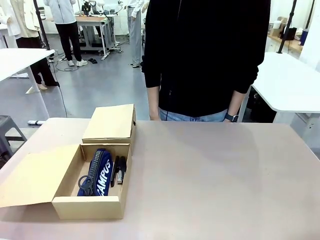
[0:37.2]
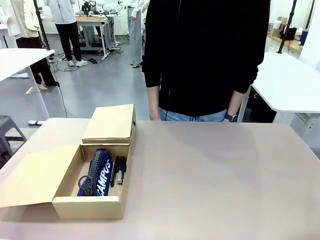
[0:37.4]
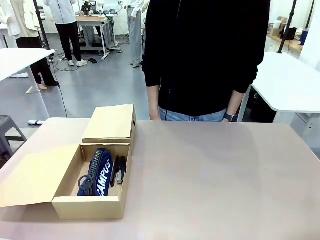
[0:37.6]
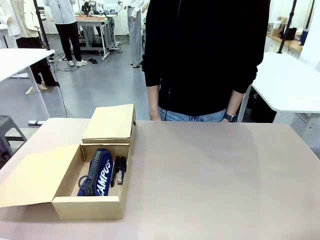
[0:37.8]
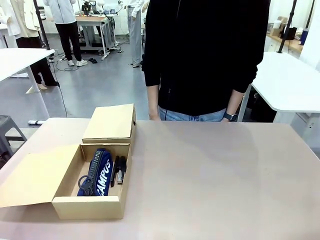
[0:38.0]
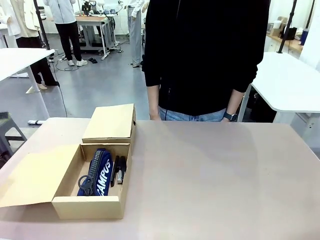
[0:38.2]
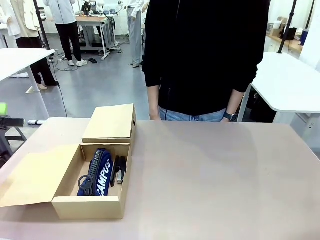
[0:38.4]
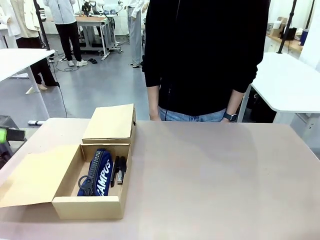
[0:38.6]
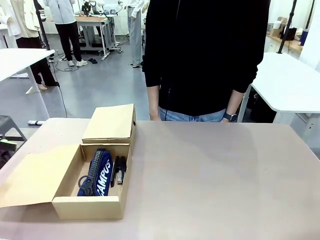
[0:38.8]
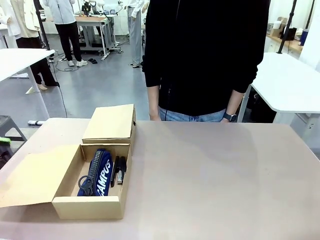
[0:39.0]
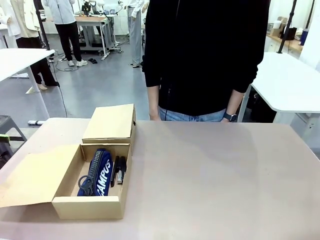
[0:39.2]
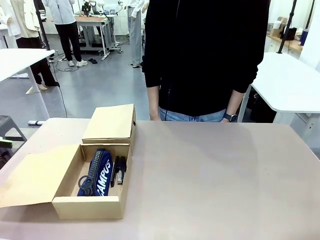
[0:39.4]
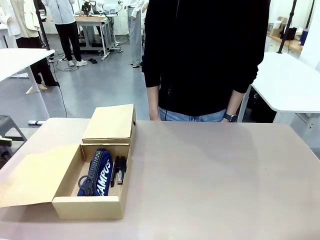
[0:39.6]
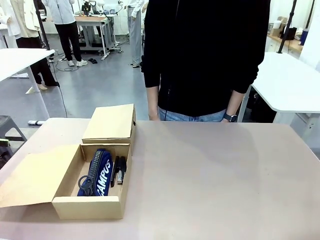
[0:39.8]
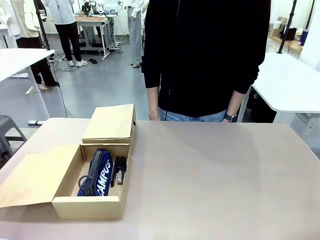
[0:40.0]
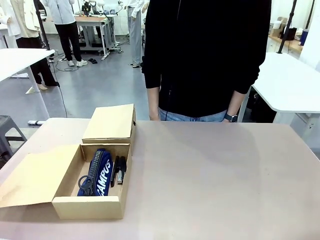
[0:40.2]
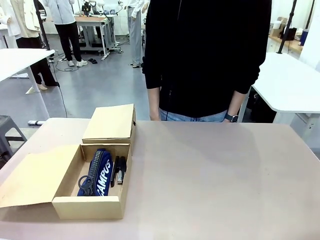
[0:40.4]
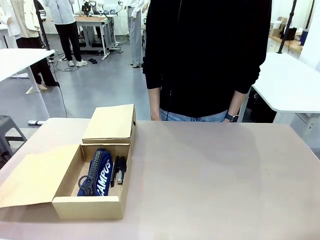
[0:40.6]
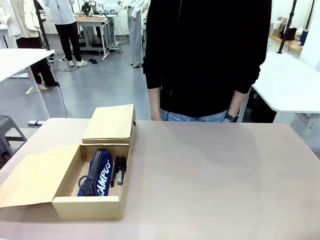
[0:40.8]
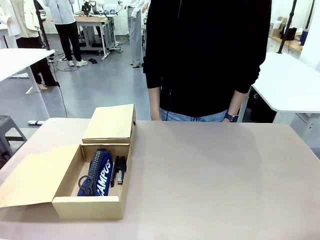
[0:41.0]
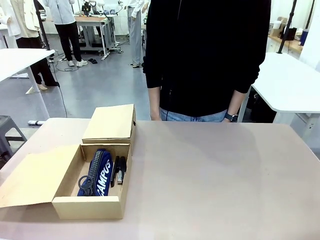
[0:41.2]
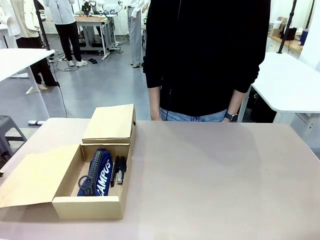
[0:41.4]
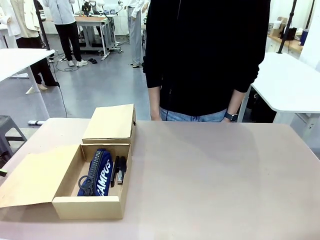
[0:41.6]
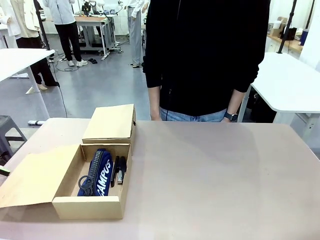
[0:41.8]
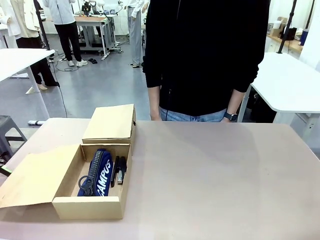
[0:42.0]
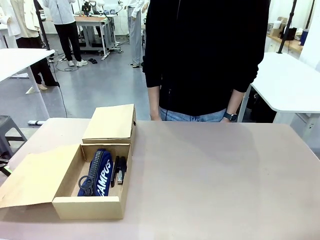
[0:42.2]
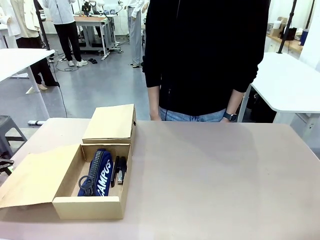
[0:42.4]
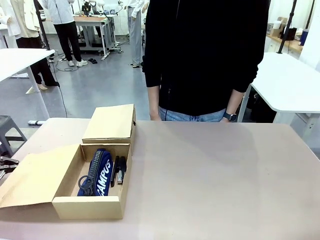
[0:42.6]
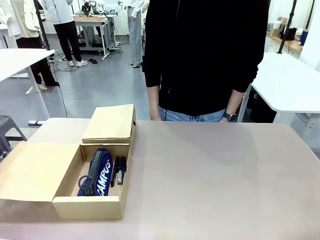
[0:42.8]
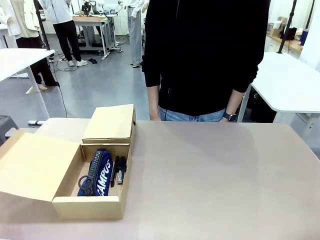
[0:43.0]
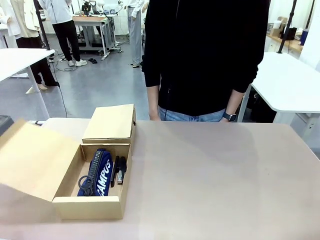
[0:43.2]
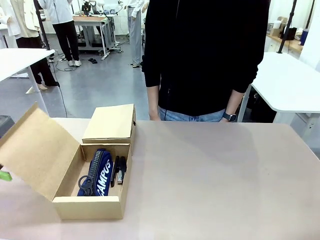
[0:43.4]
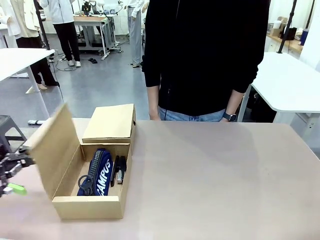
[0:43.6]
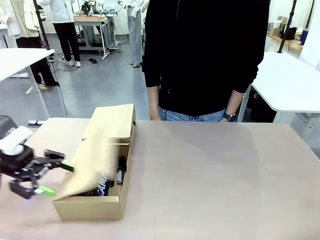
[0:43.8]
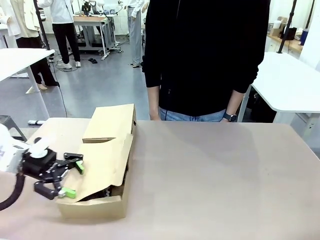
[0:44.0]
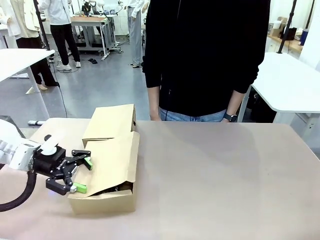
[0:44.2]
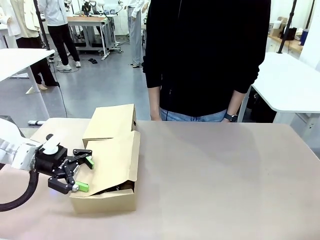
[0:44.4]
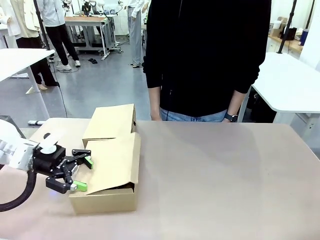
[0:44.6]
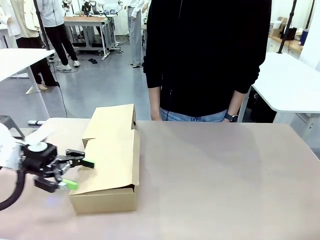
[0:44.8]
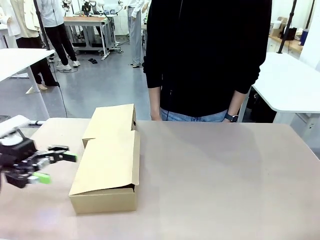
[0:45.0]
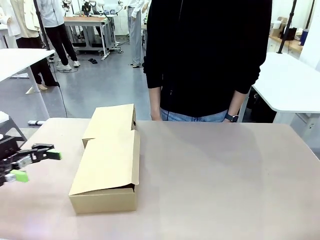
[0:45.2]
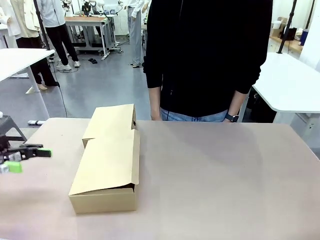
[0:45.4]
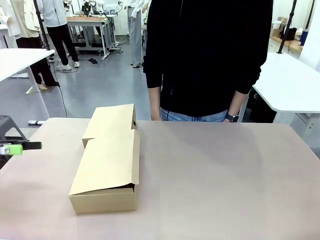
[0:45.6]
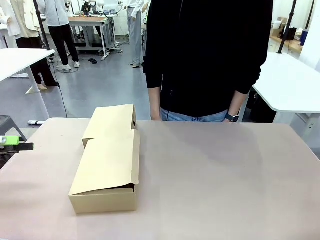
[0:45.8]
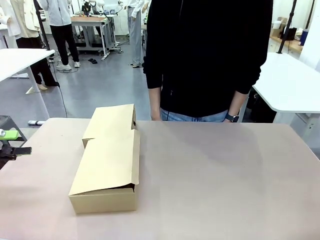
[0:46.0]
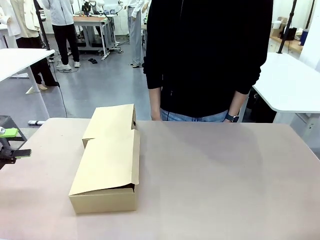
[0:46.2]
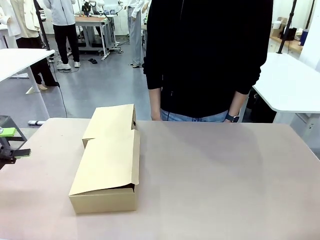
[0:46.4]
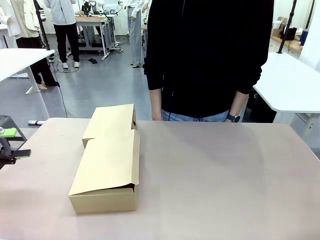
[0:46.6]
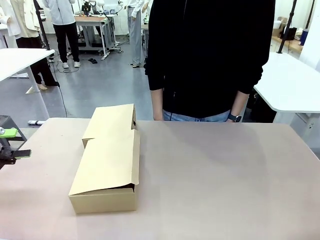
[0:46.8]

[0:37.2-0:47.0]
Task: Place items inside the box.
Robot: Close the lid of the Mailer Box closest to the robot.
Person: Close the lid of the box facing the person.

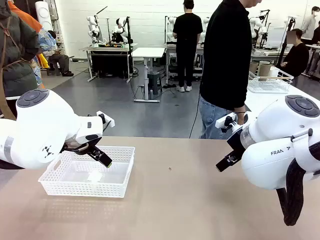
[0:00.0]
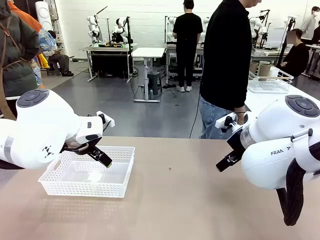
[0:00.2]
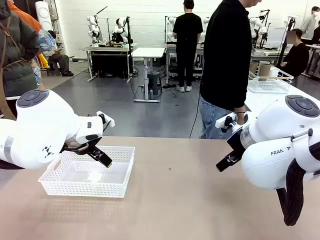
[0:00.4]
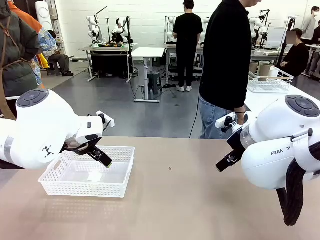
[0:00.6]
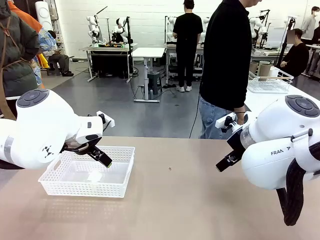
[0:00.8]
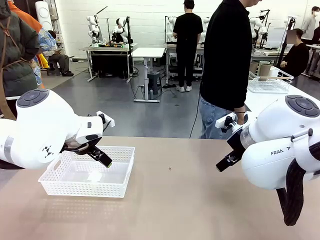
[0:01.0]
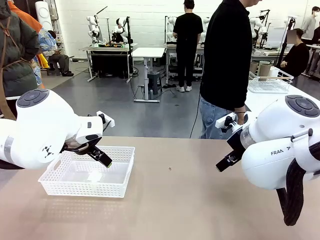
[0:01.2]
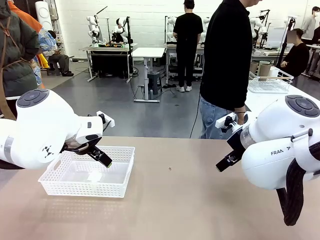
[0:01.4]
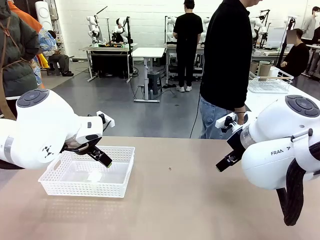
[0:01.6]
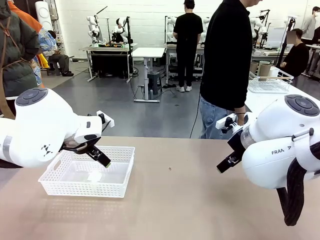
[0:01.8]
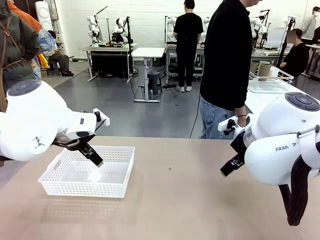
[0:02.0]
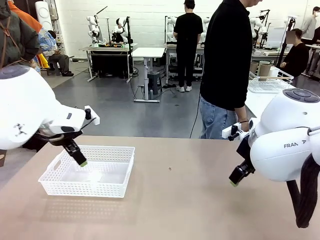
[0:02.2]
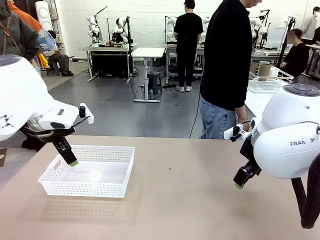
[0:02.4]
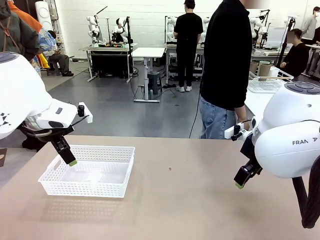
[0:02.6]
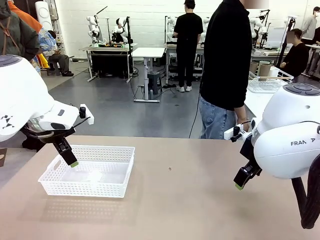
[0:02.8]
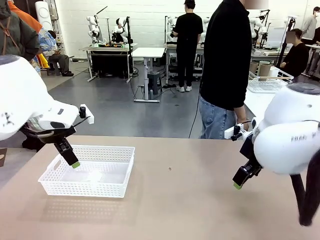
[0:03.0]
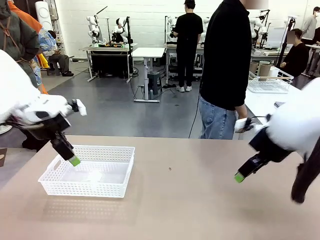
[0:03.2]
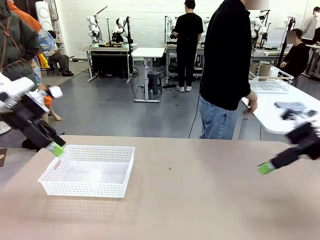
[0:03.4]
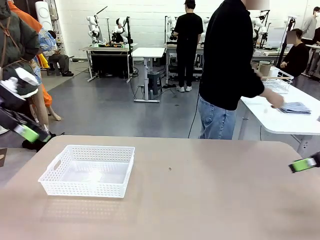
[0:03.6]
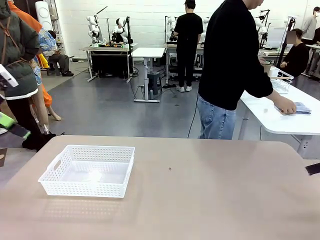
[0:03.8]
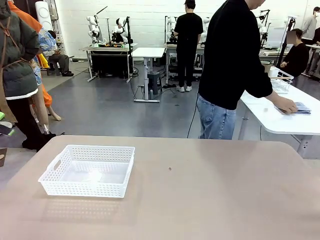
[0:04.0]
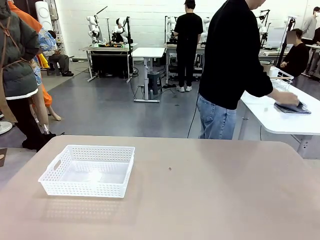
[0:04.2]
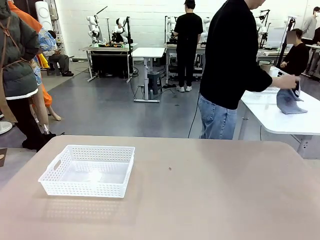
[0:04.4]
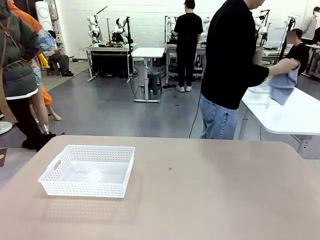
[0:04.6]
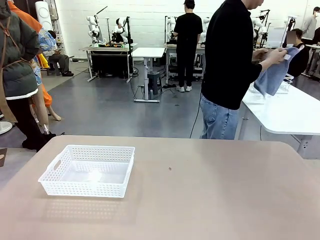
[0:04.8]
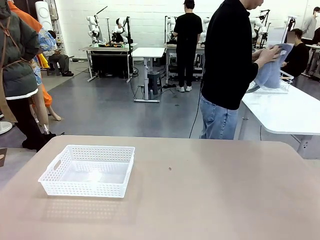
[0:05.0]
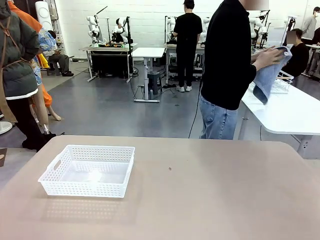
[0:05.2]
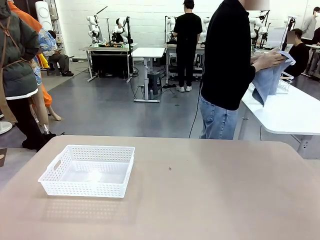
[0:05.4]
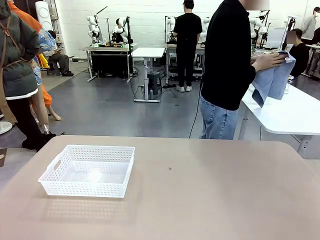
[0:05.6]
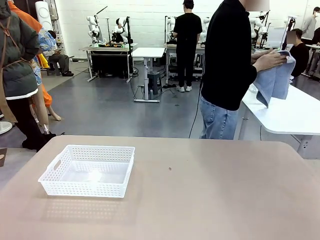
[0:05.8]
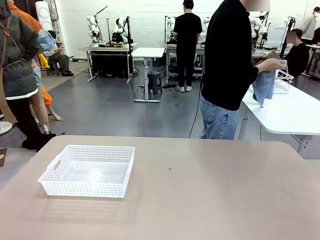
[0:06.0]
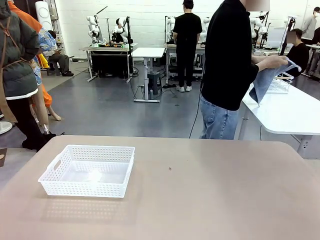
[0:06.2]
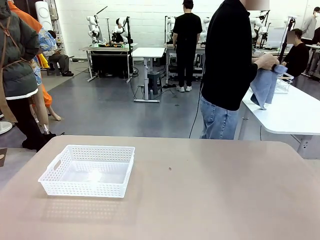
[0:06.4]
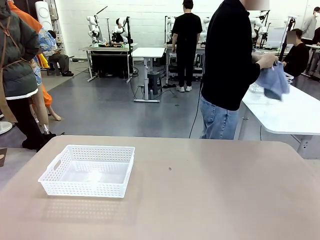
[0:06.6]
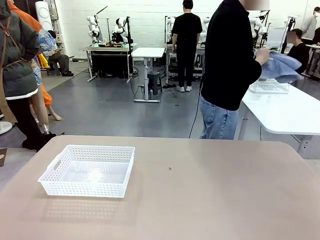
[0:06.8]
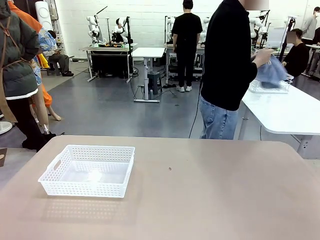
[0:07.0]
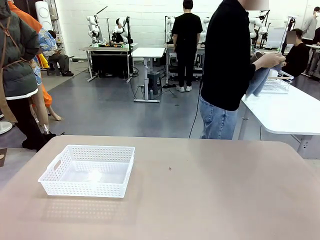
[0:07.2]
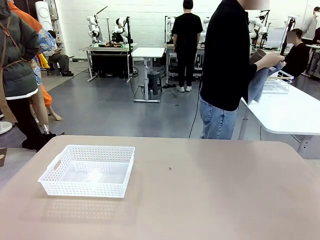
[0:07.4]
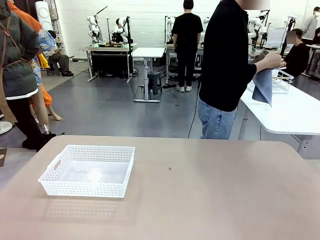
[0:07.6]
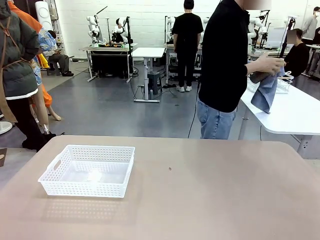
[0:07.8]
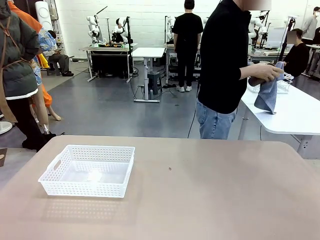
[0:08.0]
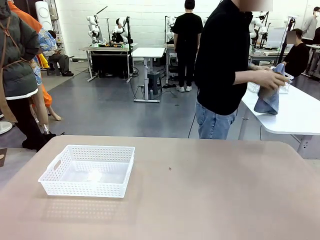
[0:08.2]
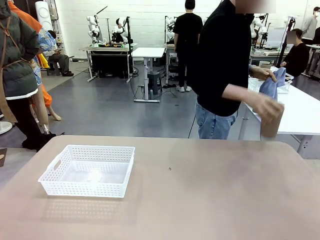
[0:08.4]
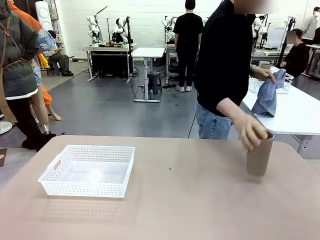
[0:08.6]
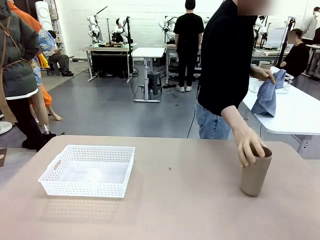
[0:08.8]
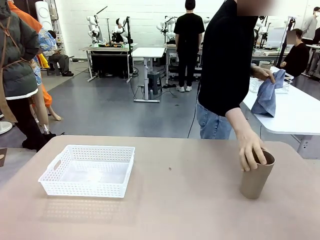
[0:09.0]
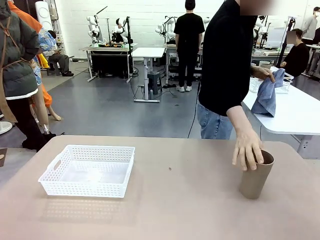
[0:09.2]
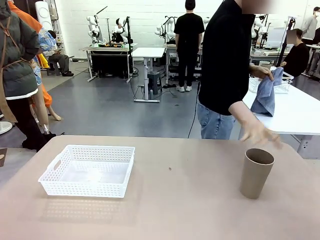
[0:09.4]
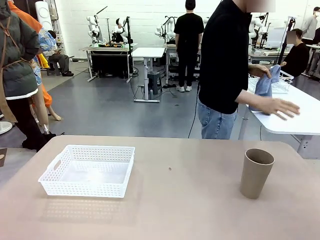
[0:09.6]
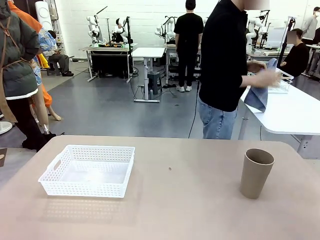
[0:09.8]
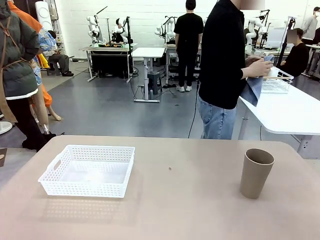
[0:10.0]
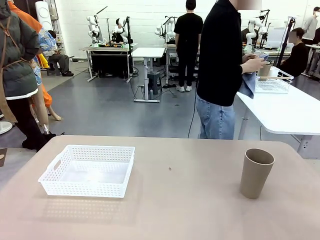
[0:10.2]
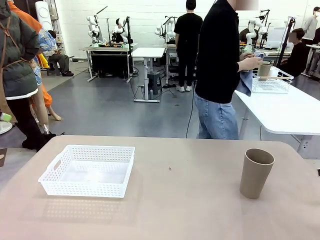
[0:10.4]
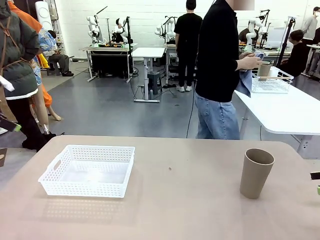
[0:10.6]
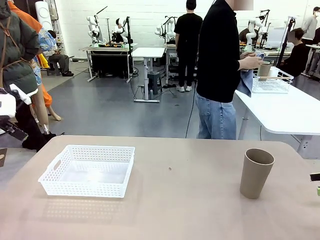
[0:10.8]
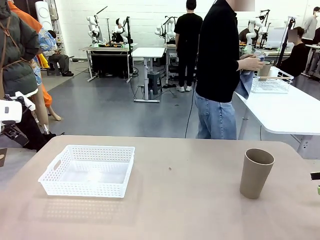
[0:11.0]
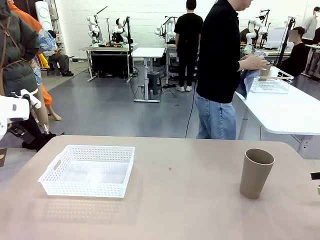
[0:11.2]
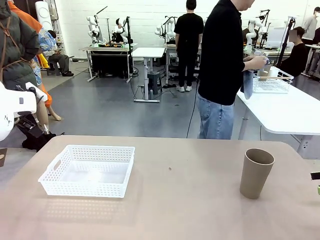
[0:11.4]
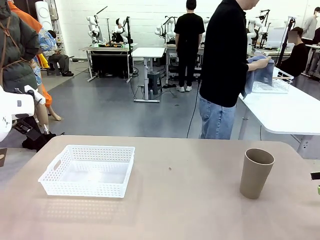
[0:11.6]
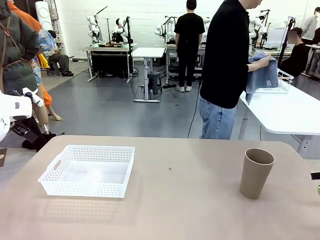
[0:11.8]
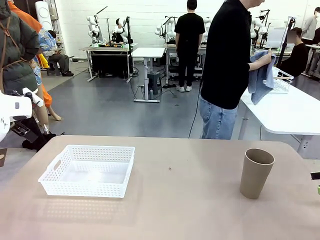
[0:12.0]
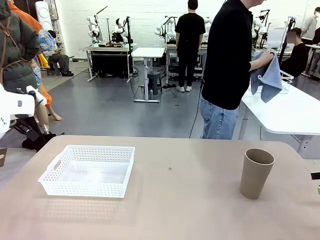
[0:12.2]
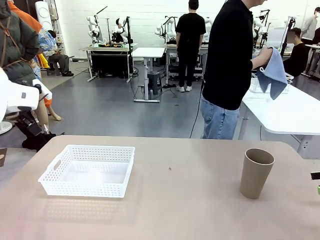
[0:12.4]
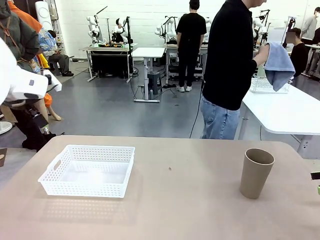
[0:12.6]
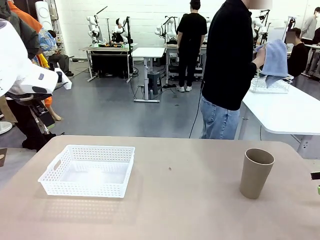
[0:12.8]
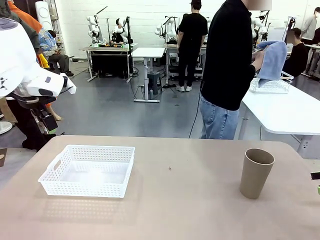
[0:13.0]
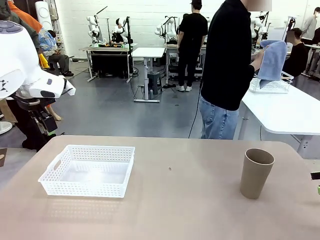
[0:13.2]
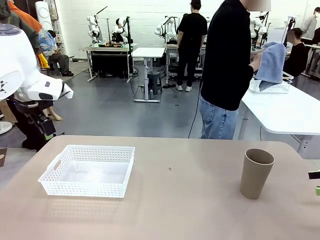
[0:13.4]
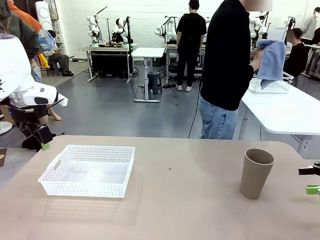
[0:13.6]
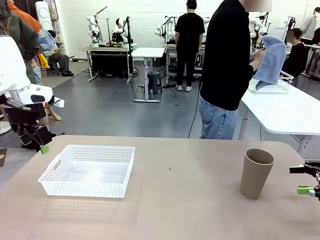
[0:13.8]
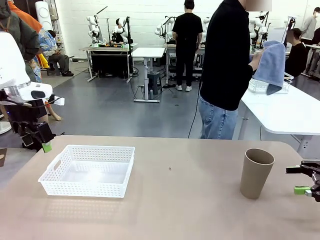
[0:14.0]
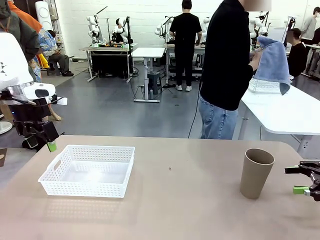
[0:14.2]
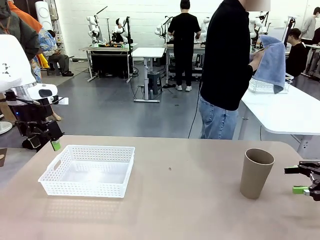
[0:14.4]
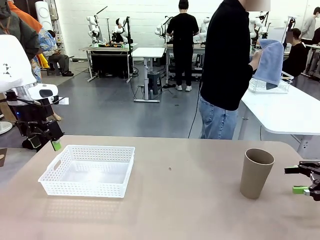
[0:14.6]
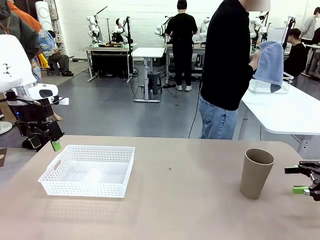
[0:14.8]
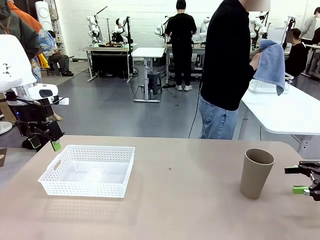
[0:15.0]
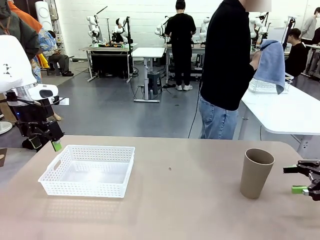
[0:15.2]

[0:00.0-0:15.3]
Task: Clean and organize the cups into the basket.
Robot: Pick up the Organizing basket and move it to the center of the table, then pick up the Reusable plastic cup from the right side of the table and place it inside the Organizing basket.
Person: Picks up a cup and a towel, cleans the cup with the towel, and places it on the left side of the robot table.
